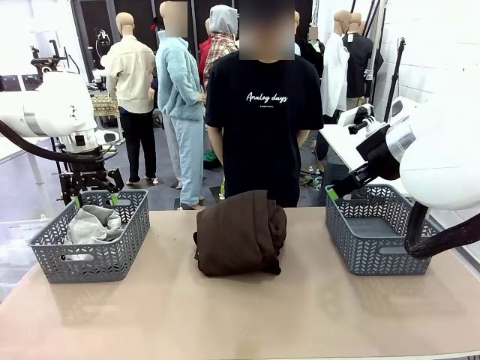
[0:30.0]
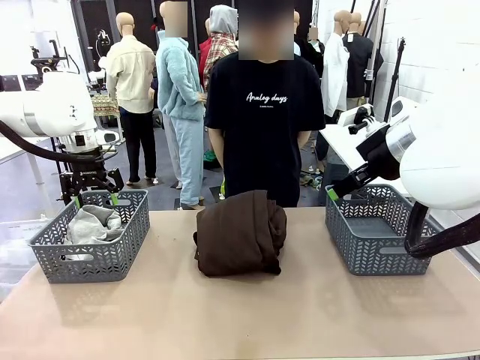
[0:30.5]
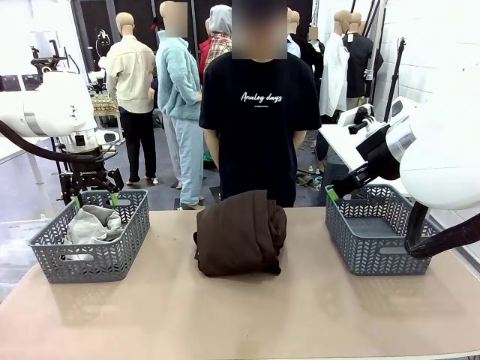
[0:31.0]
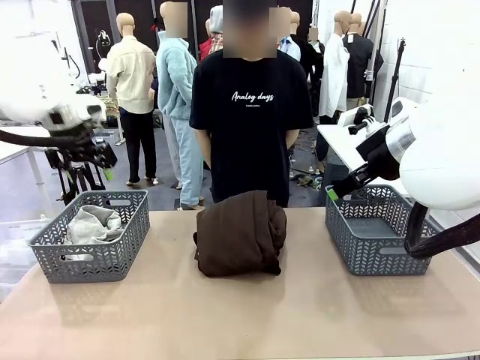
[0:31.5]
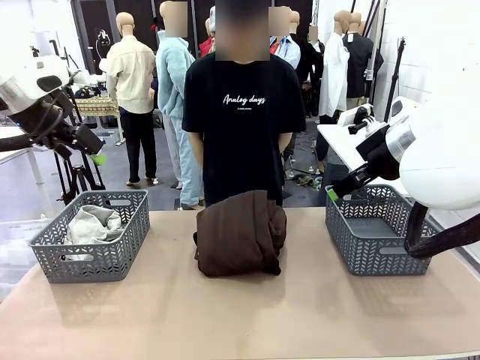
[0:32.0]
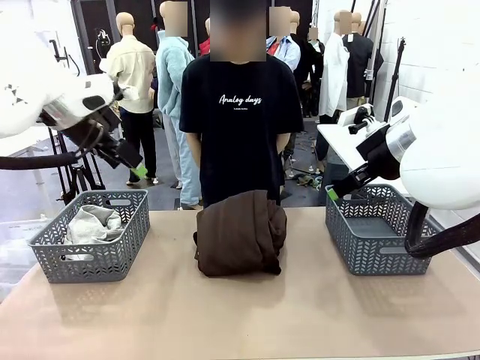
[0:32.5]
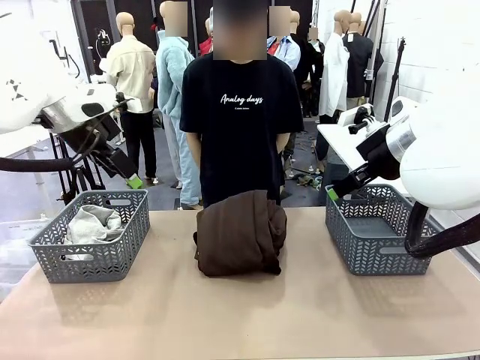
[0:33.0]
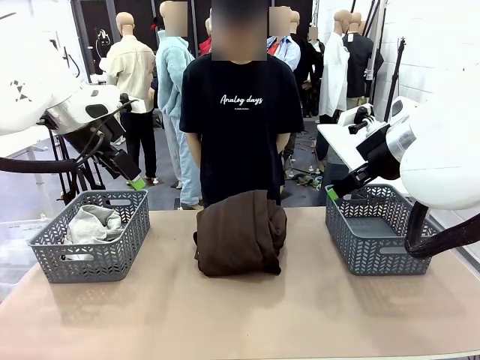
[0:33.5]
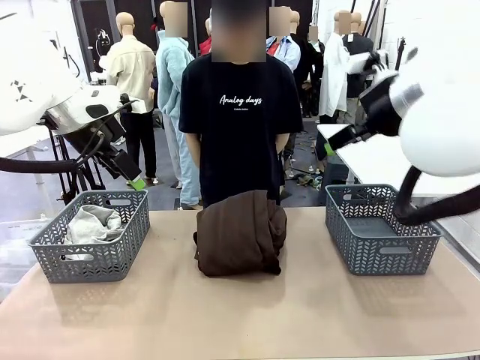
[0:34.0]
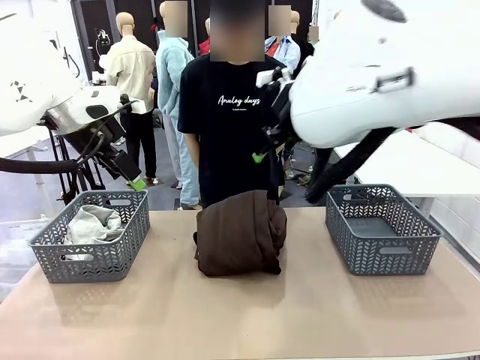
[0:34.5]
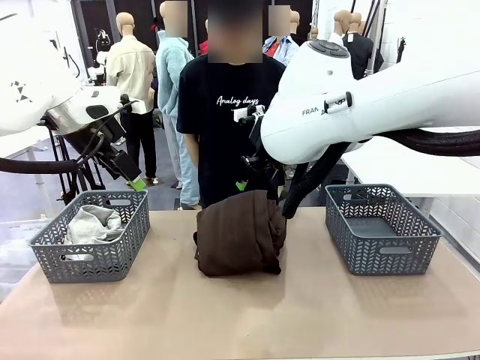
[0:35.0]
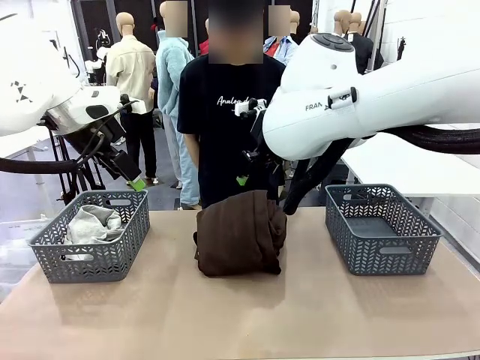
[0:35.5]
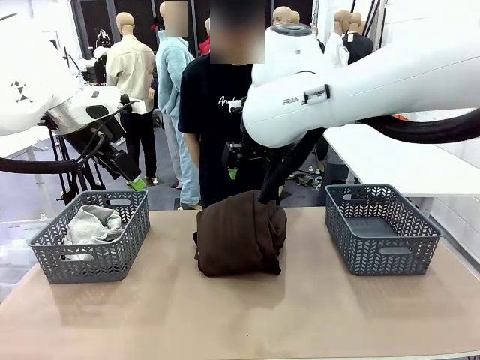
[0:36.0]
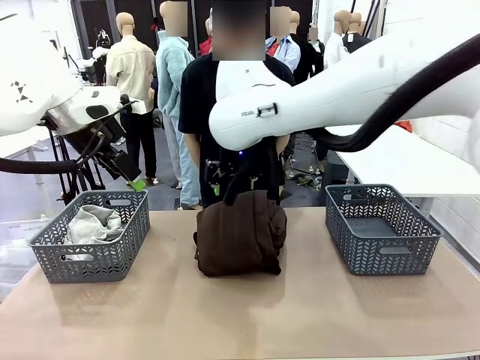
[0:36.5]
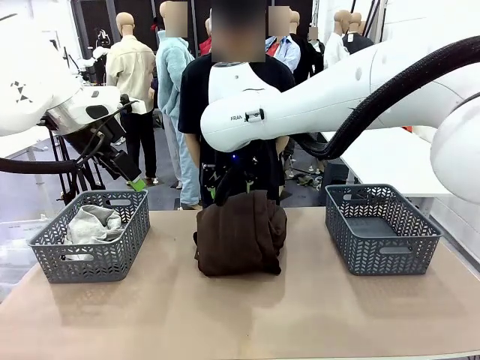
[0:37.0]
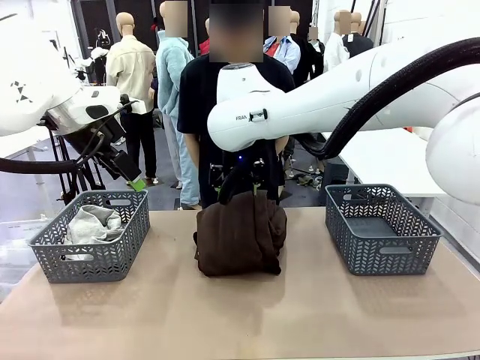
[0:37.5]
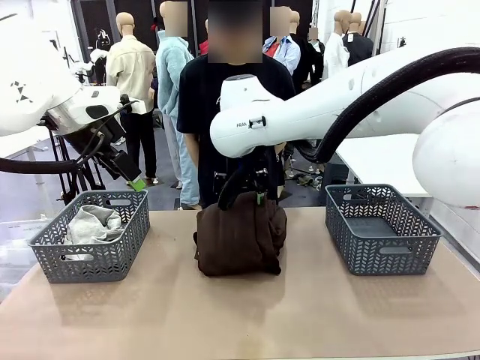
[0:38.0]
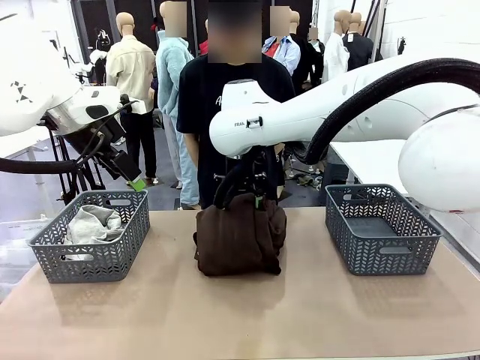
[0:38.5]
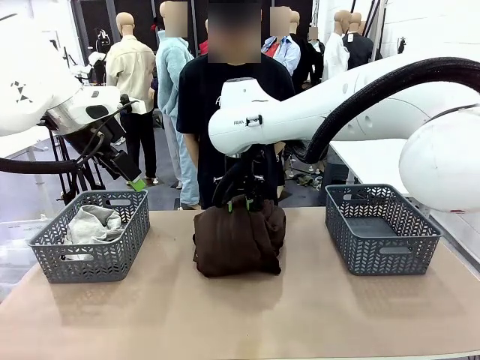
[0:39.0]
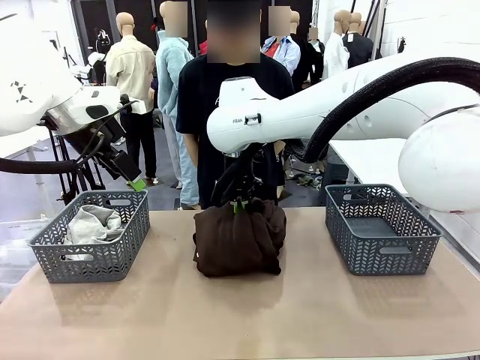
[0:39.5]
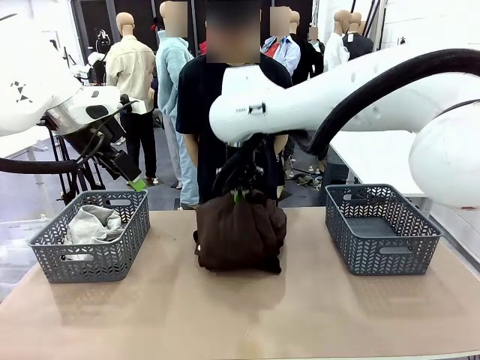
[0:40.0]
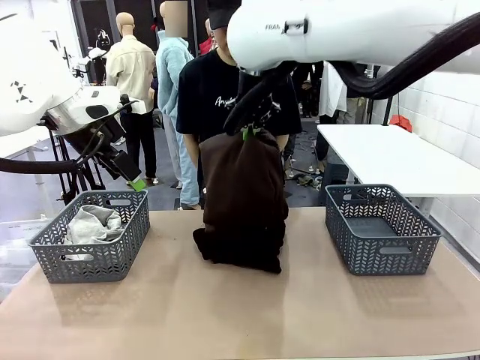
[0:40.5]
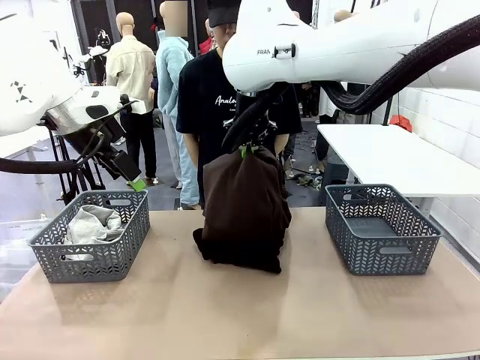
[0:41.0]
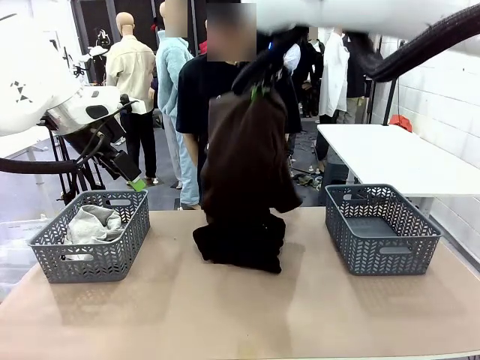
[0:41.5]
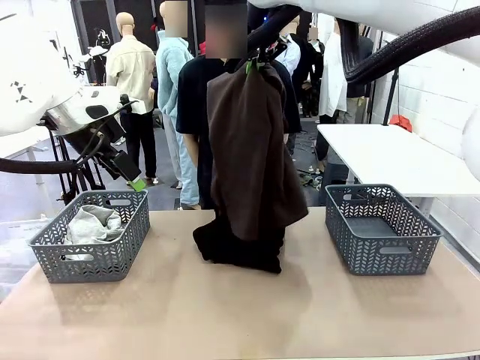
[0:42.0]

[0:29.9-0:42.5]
Task: Sort the tops and bottoms.
Robot: Lift clothes from the center of the table with your right hand.

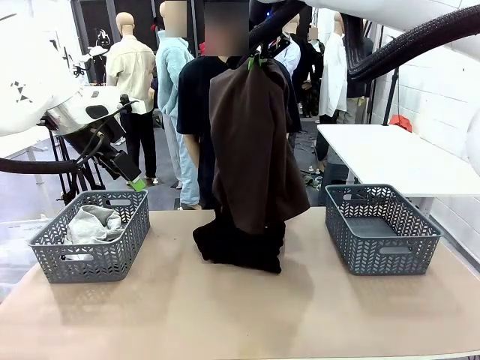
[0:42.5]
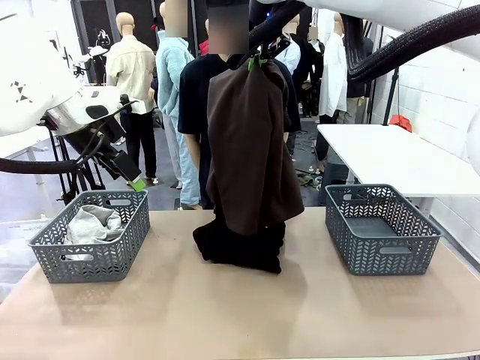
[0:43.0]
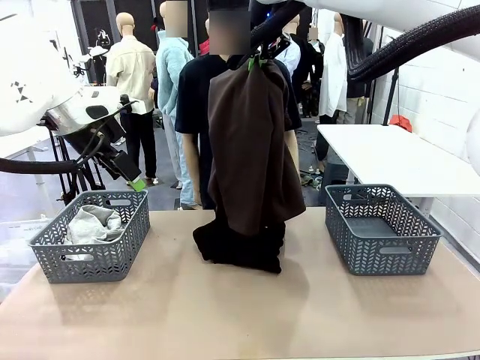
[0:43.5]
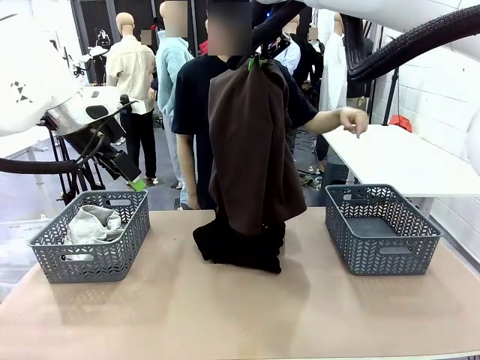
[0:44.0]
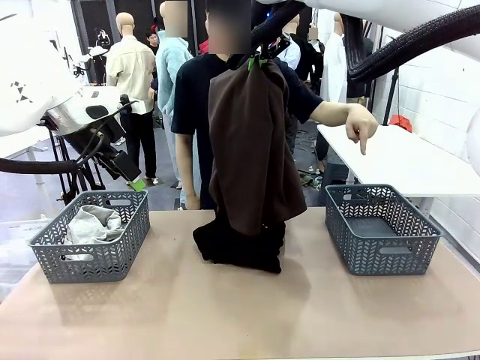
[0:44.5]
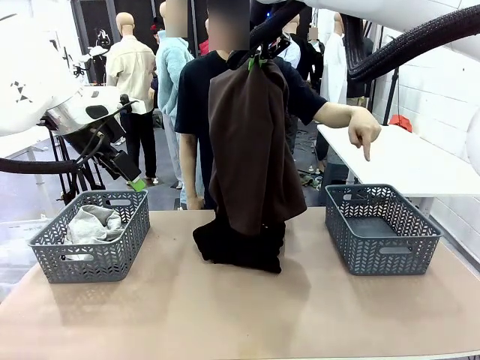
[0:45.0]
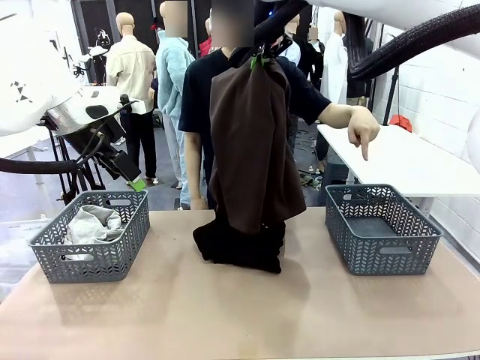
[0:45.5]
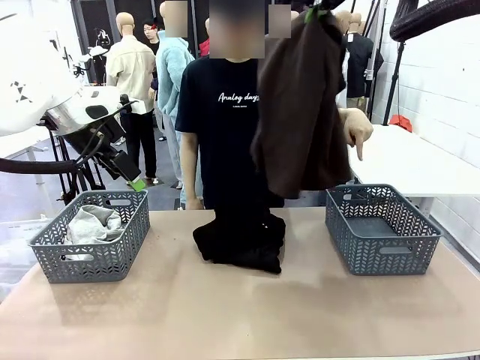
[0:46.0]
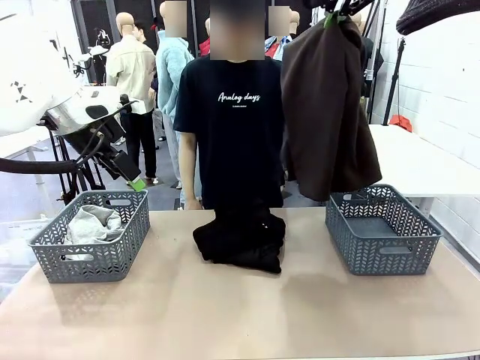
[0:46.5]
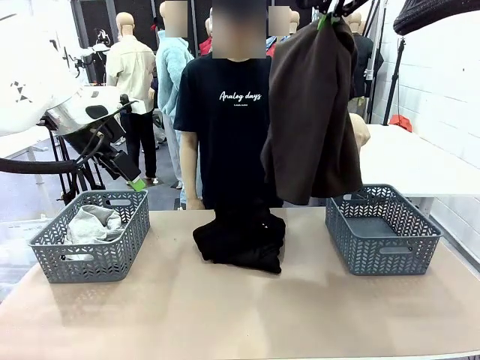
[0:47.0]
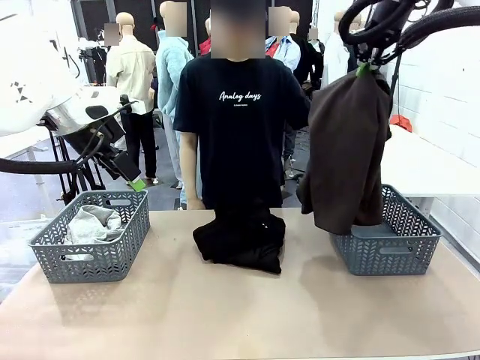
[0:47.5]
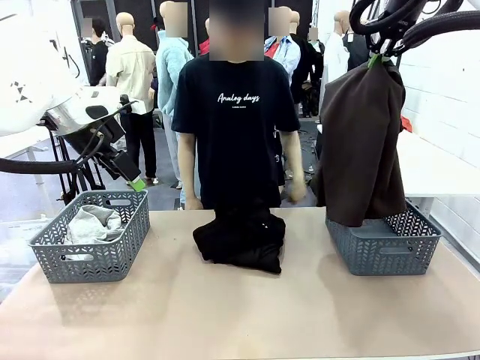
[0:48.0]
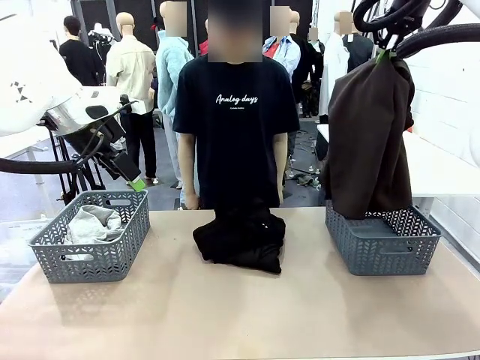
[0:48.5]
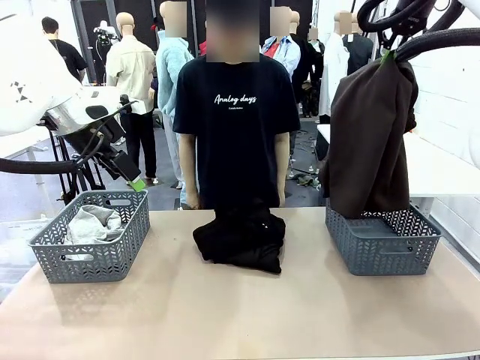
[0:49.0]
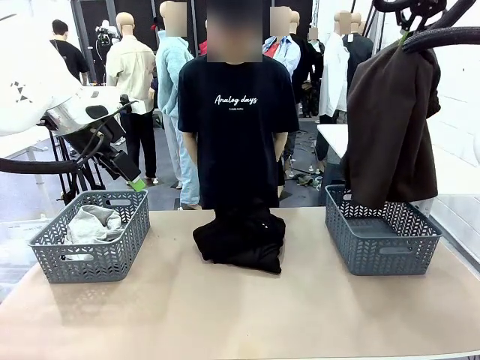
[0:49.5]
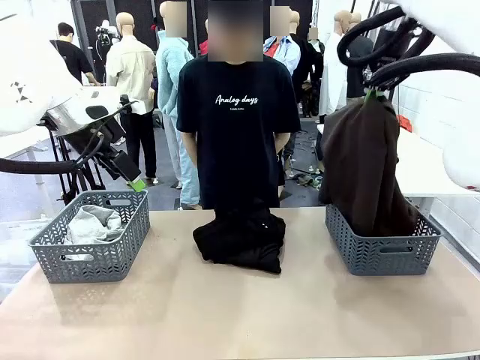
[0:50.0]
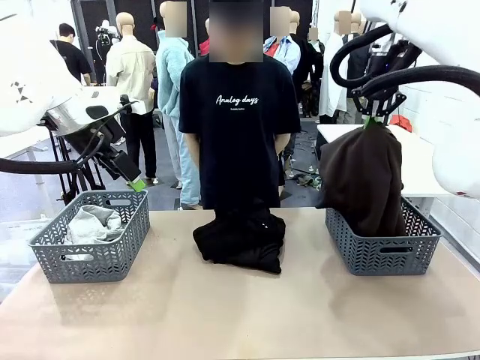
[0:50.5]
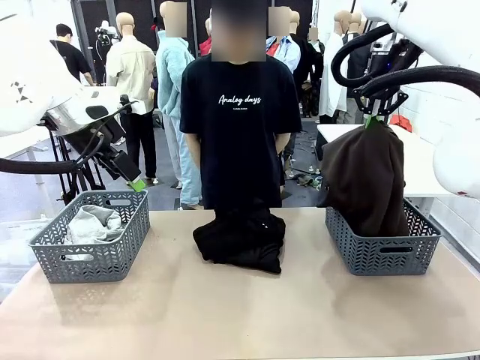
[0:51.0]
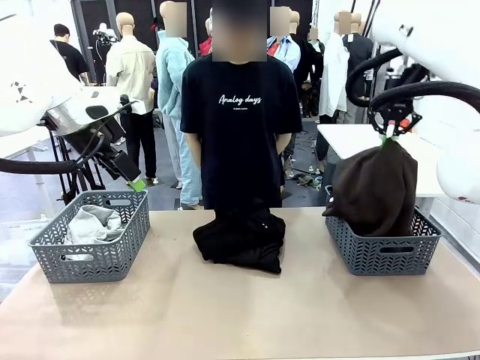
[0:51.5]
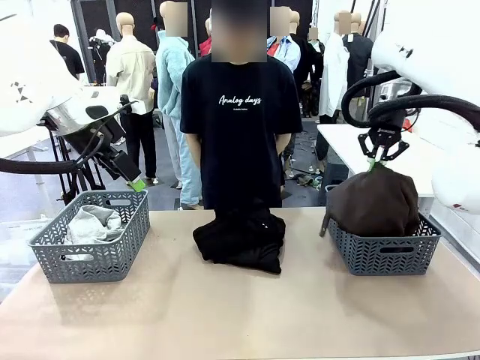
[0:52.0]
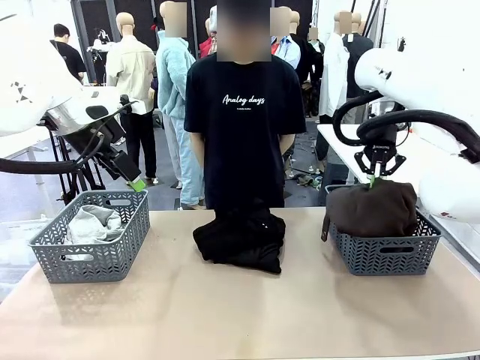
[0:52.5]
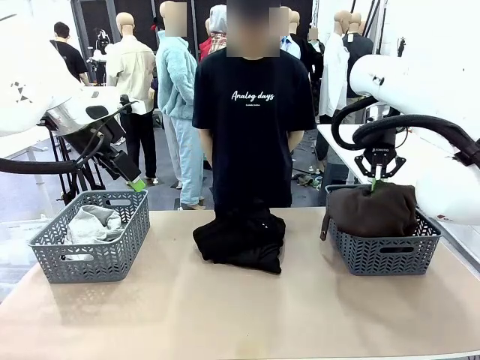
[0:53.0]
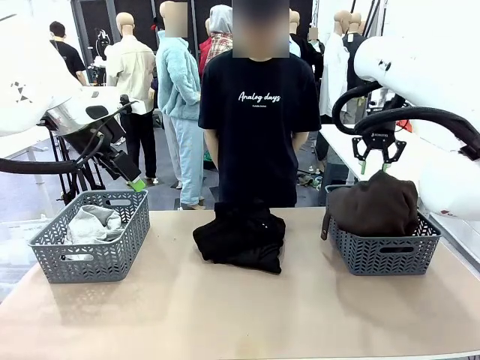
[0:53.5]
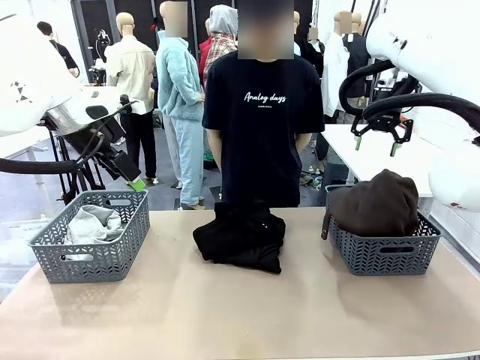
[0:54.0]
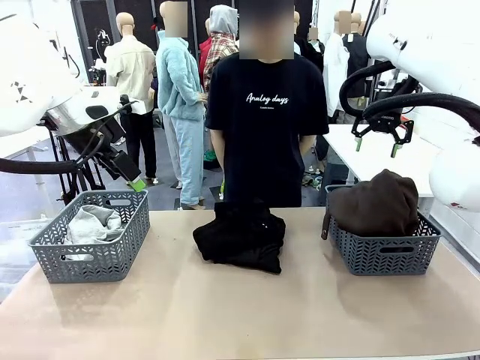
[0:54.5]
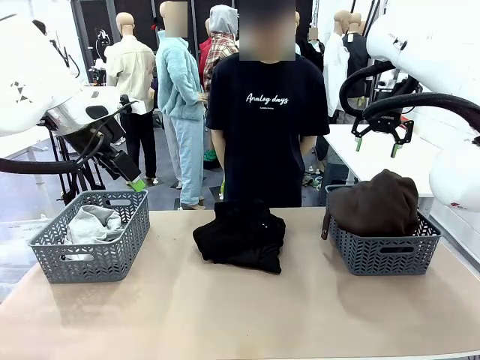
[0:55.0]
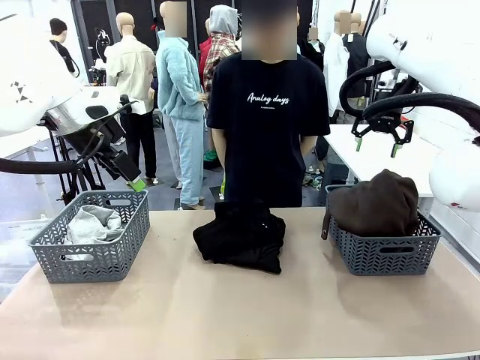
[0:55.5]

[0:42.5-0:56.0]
Robot: Sort the clothes according to human instructions.
